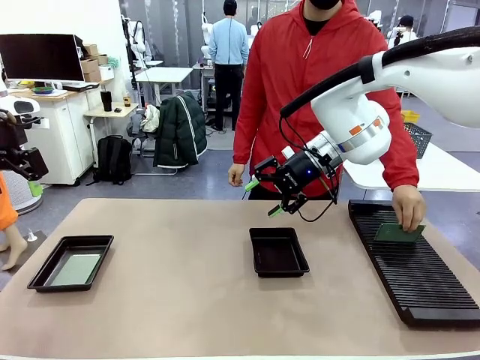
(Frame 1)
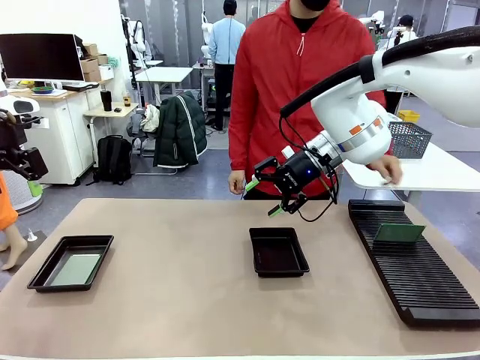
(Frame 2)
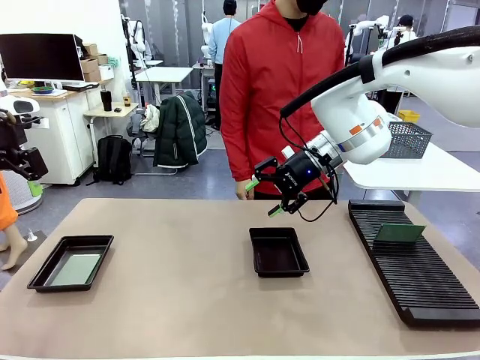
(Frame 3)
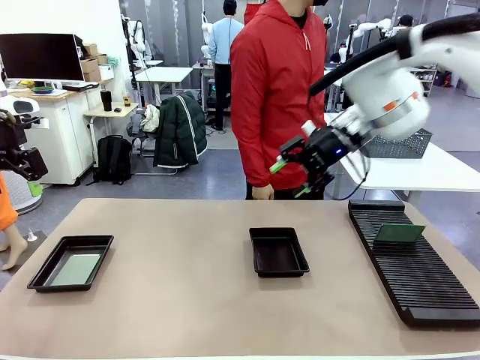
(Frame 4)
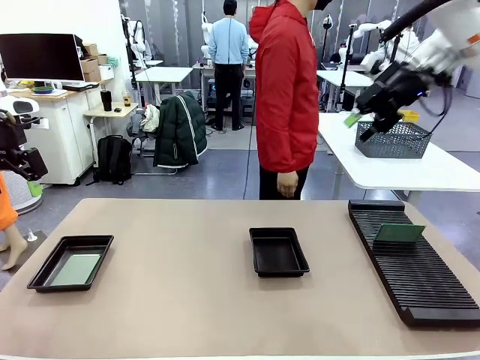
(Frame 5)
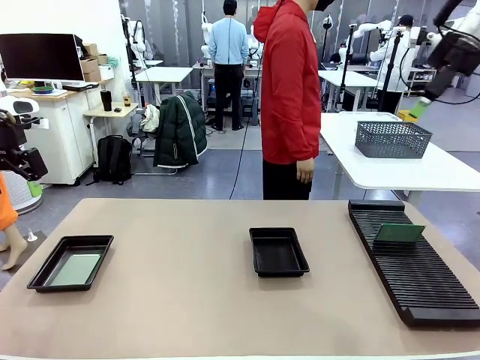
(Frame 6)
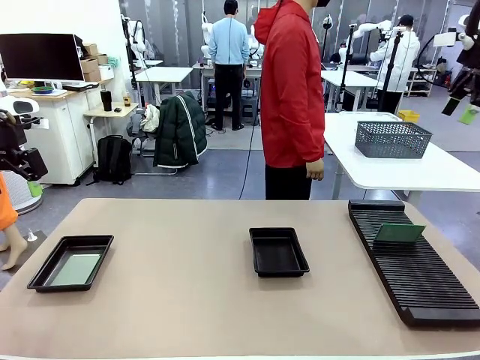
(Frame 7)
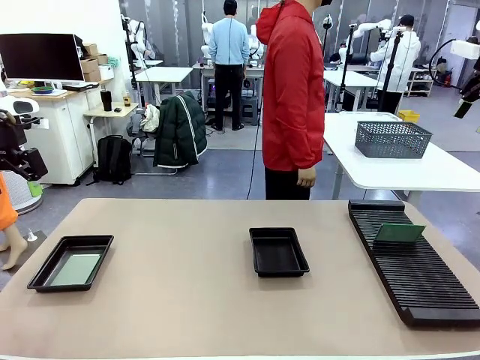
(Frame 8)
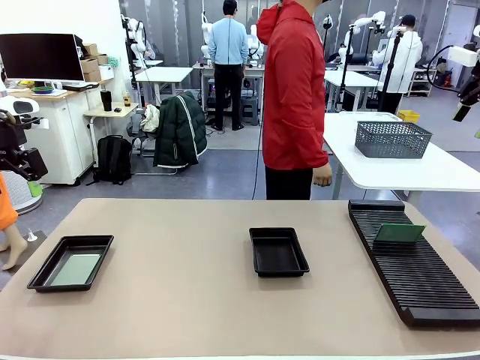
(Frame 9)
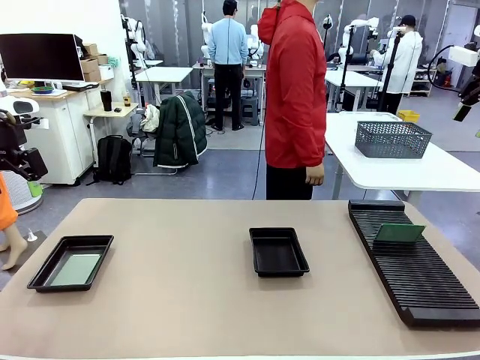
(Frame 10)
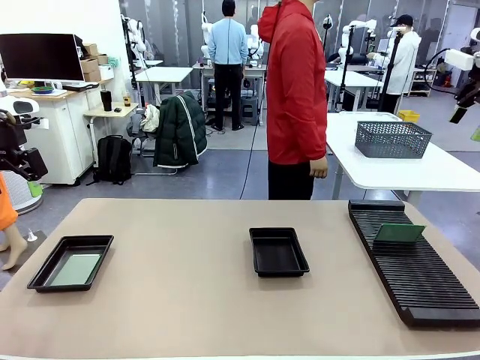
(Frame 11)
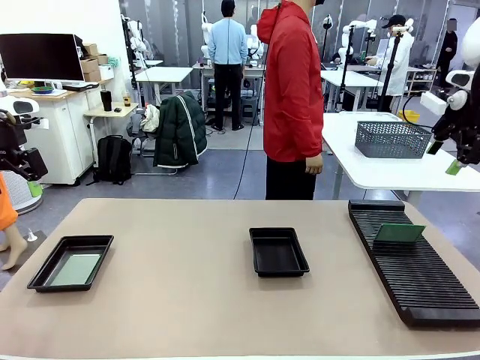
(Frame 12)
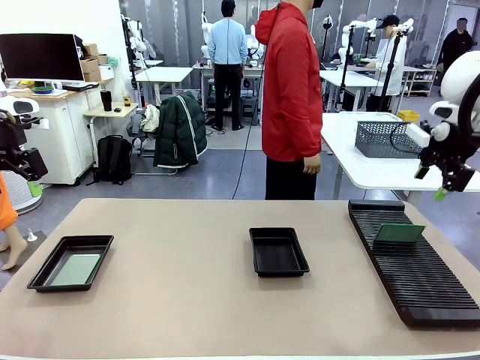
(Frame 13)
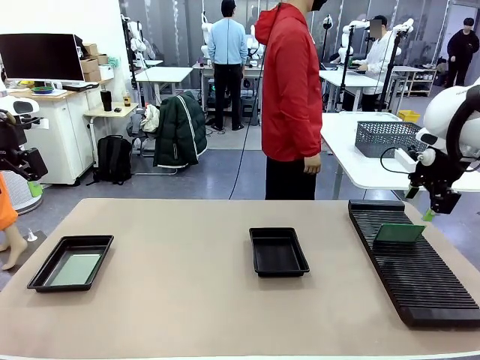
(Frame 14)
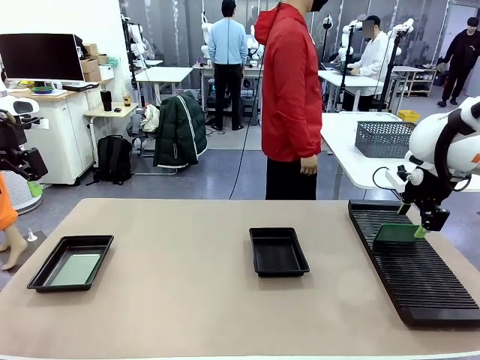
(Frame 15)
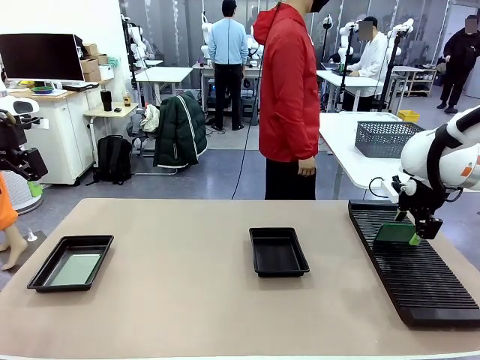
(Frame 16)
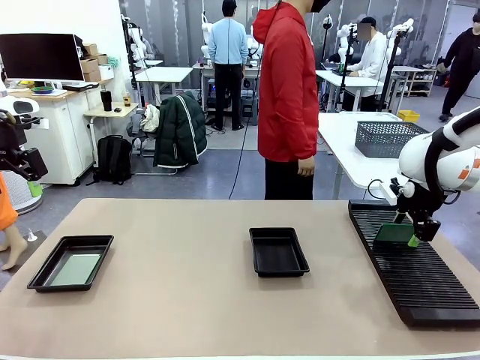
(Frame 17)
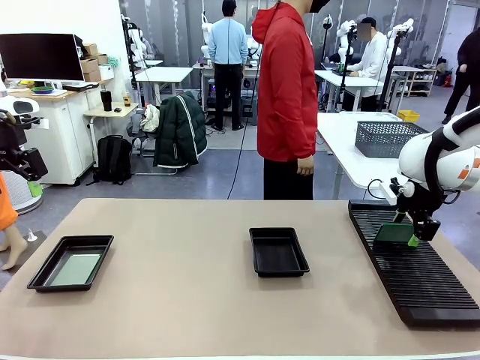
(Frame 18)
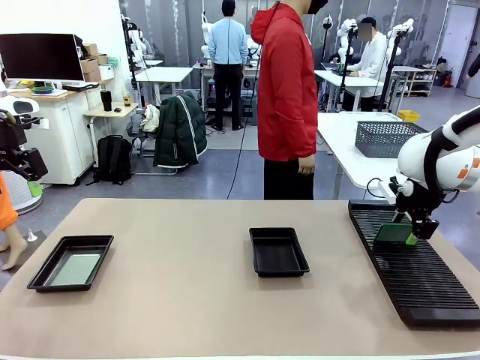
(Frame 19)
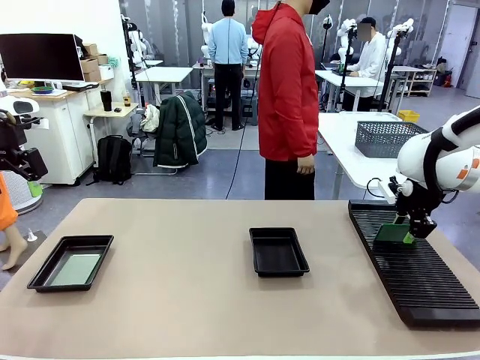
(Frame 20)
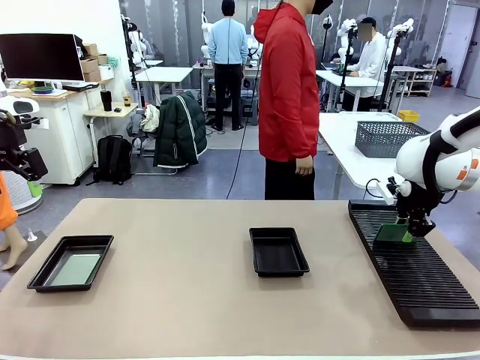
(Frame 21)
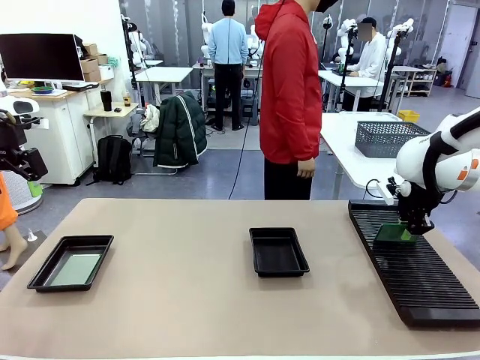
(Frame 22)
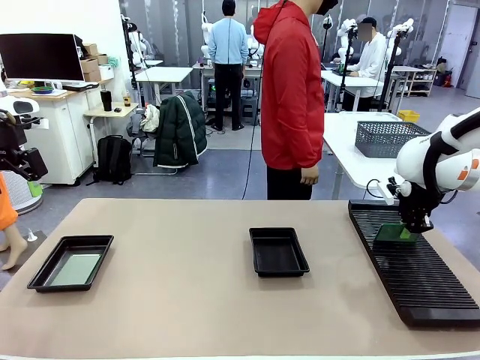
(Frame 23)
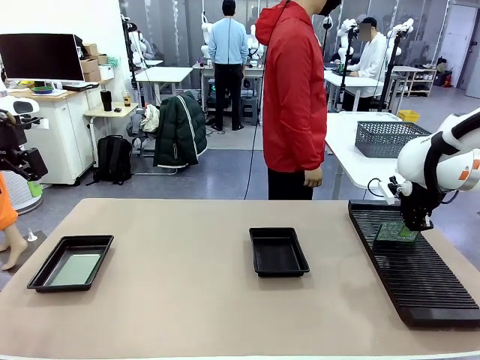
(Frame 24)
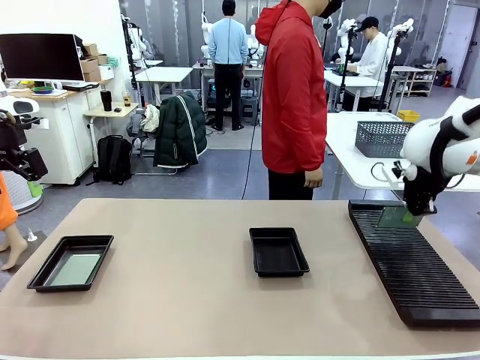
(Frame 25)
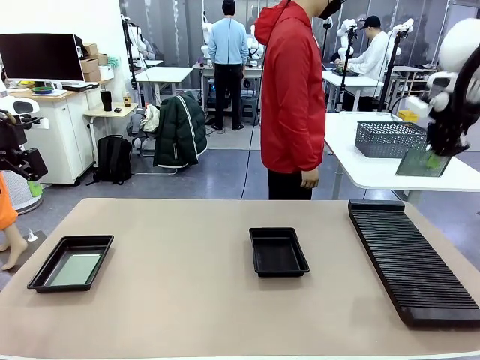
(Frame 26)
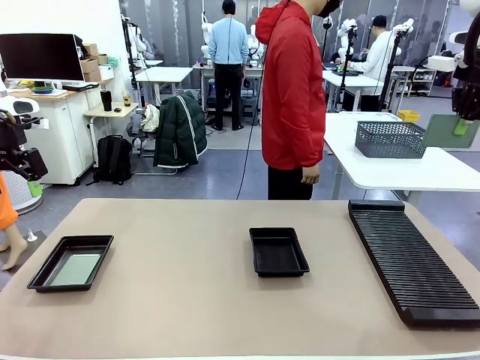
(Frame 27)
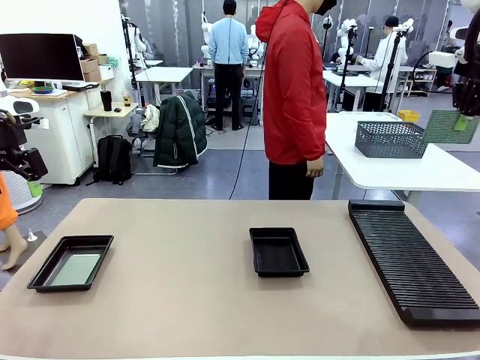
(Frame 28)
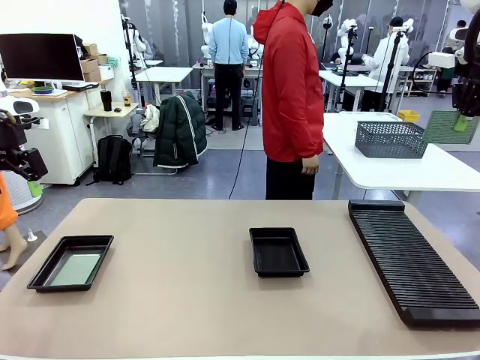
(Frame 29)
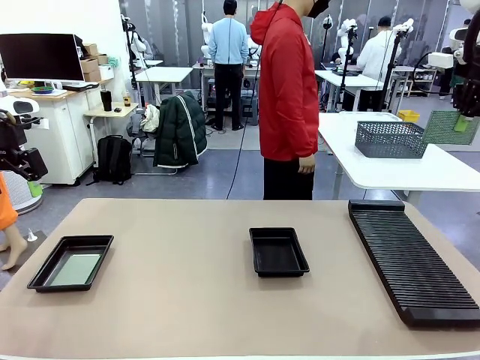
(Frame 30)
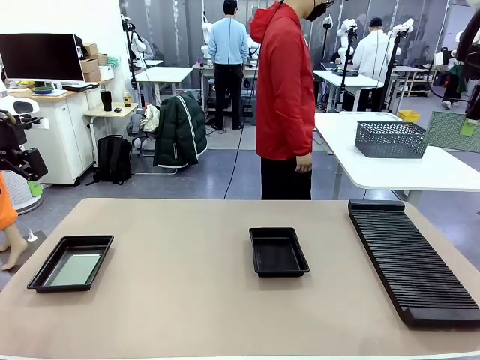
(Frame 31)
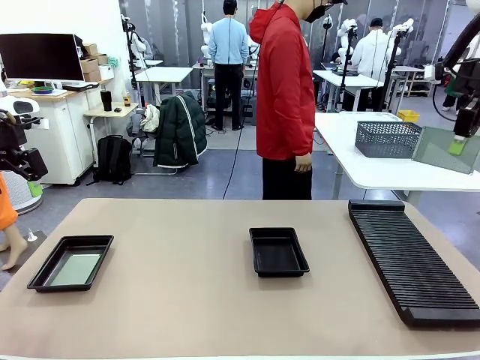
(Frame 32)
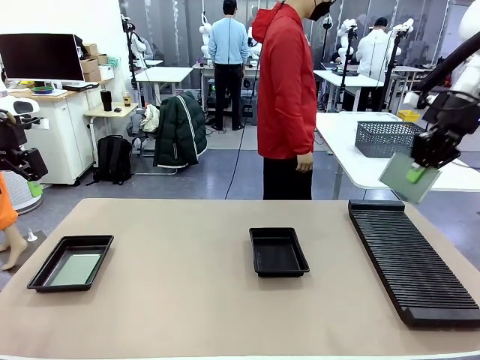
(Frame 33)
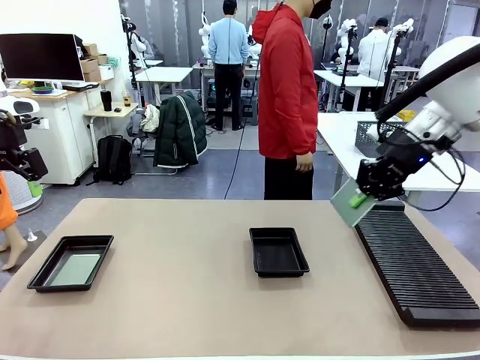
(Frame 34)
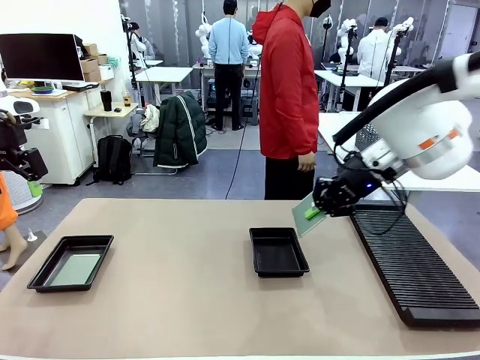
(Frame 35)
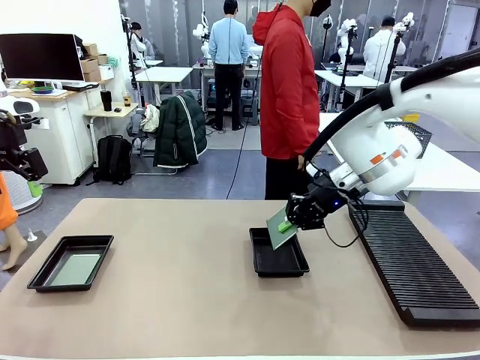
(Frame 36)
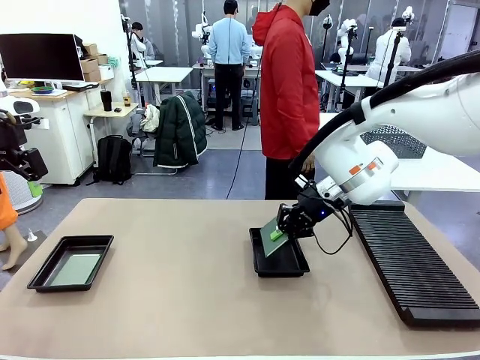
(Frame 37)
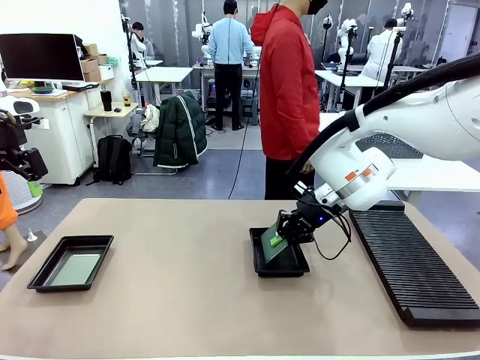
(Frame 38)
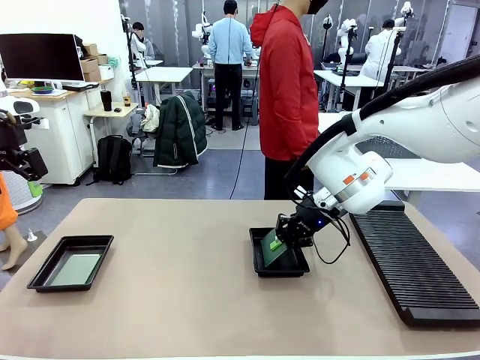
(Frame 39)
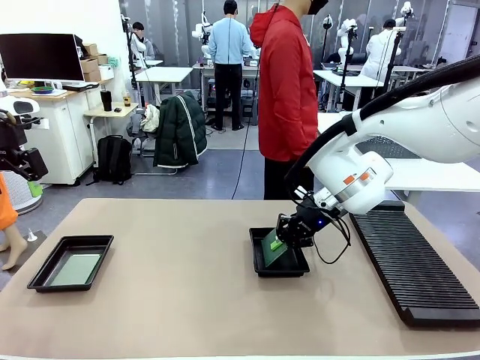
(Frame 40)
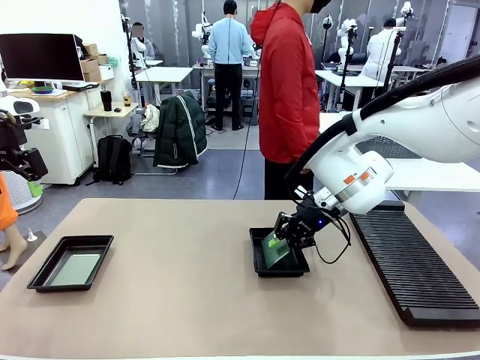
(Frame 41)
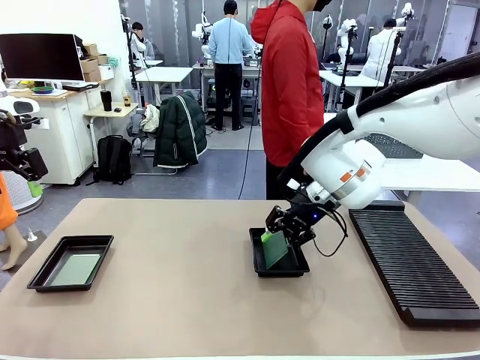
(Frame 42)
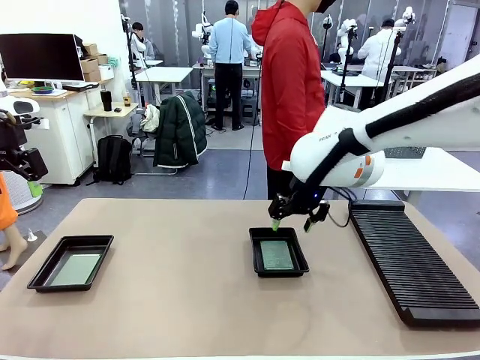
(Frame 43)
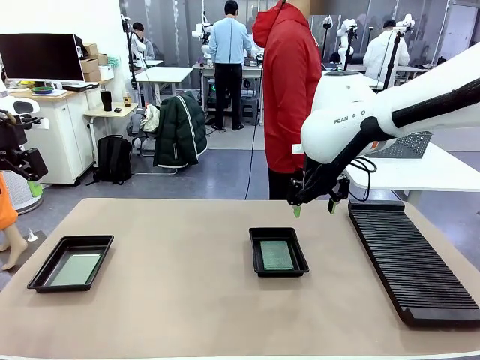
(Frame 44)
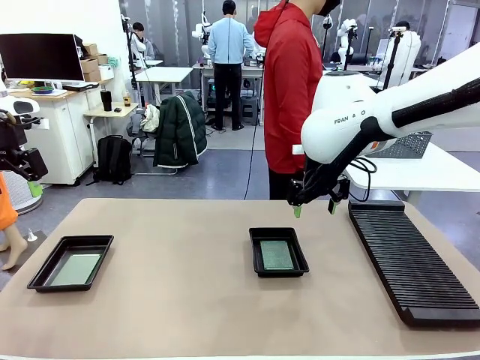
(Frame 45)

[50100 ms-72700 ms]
Task: Inspect and transfer BCBs to ESD trays.
Robot: Pick up the Blank PCB from the PCB Rack and place it in the right ESD tray.
